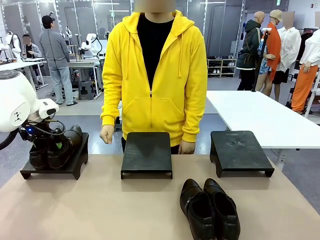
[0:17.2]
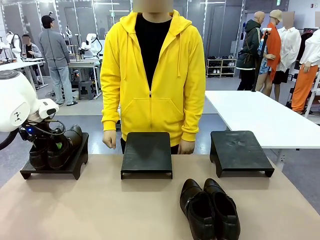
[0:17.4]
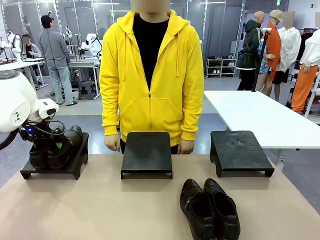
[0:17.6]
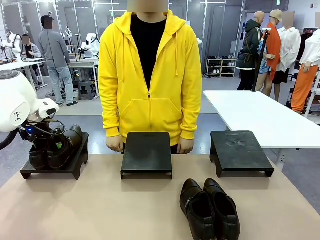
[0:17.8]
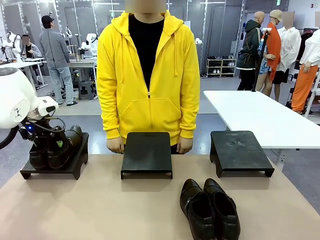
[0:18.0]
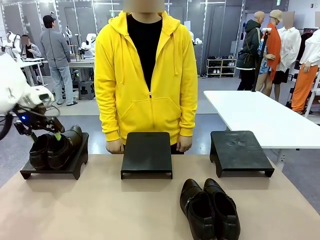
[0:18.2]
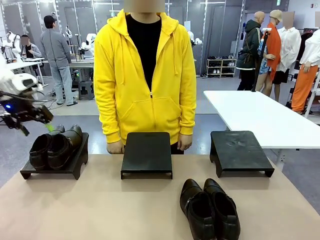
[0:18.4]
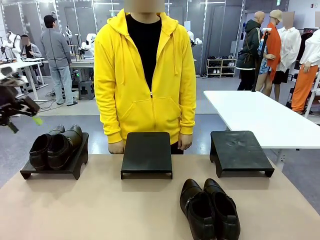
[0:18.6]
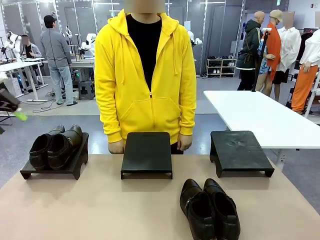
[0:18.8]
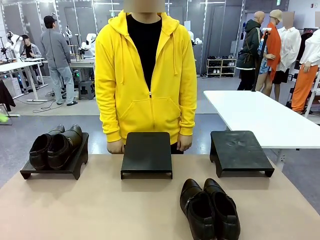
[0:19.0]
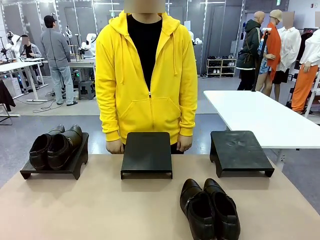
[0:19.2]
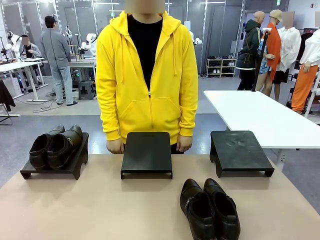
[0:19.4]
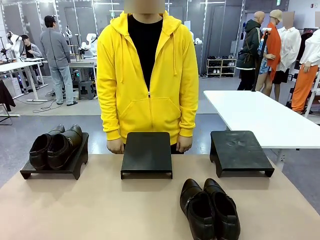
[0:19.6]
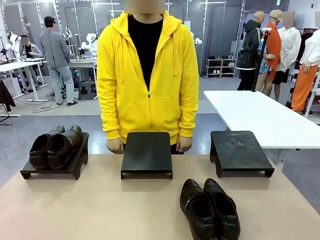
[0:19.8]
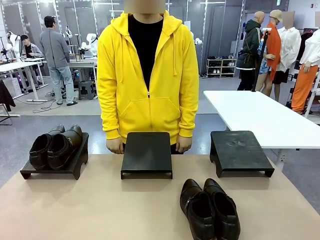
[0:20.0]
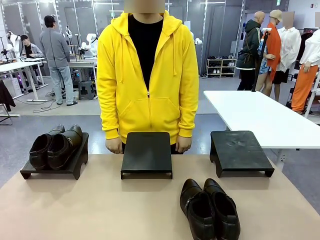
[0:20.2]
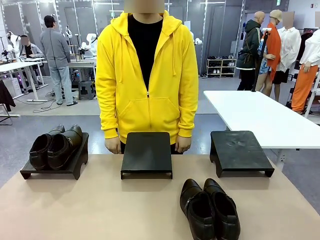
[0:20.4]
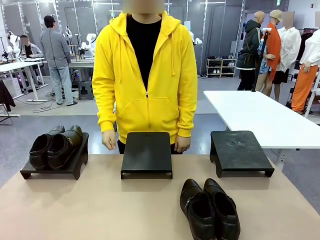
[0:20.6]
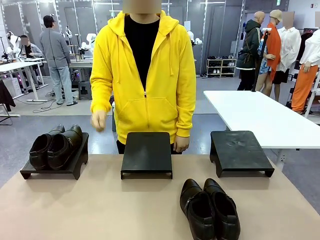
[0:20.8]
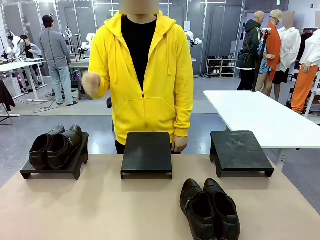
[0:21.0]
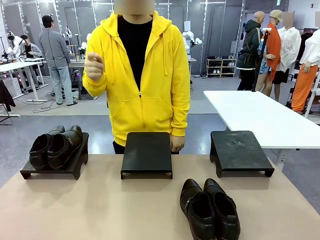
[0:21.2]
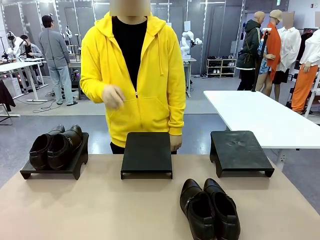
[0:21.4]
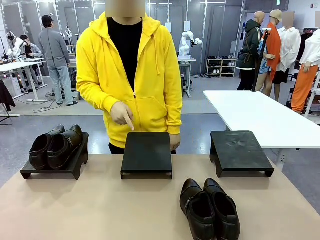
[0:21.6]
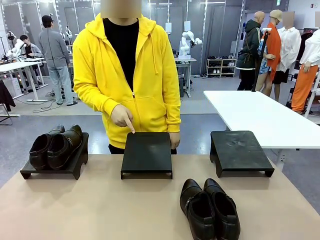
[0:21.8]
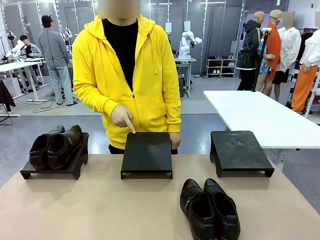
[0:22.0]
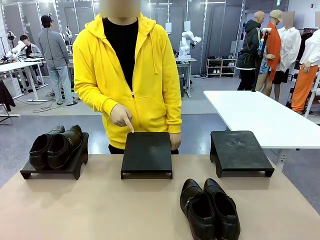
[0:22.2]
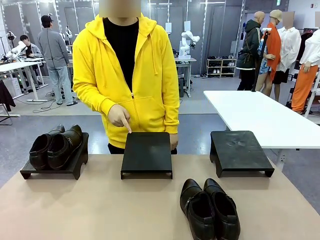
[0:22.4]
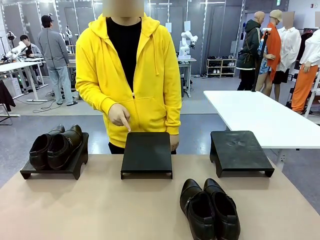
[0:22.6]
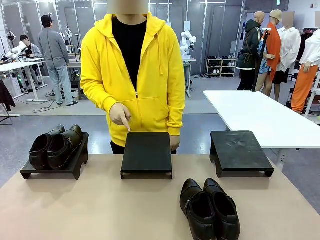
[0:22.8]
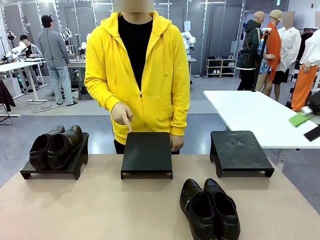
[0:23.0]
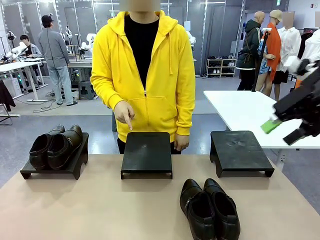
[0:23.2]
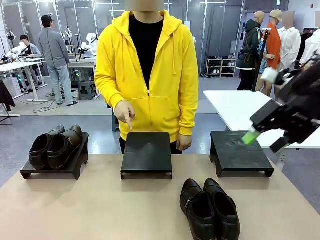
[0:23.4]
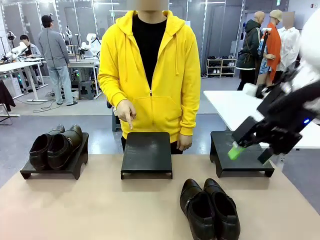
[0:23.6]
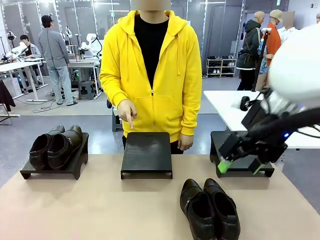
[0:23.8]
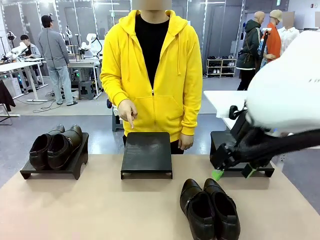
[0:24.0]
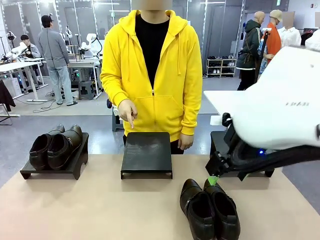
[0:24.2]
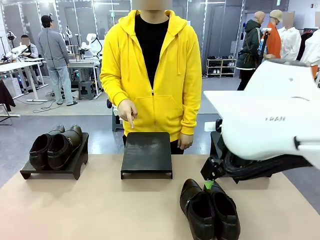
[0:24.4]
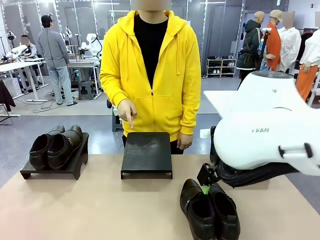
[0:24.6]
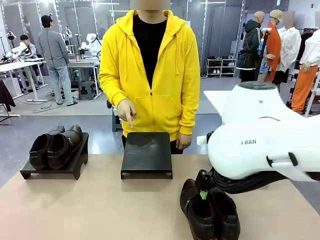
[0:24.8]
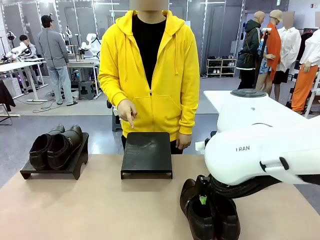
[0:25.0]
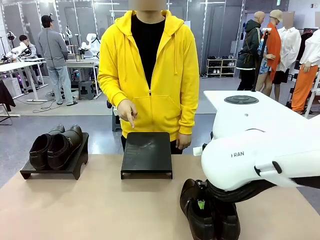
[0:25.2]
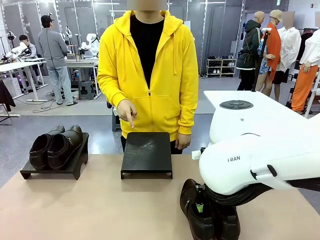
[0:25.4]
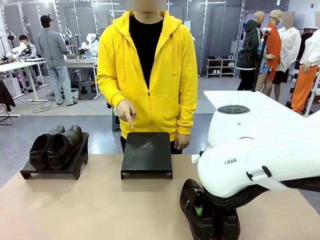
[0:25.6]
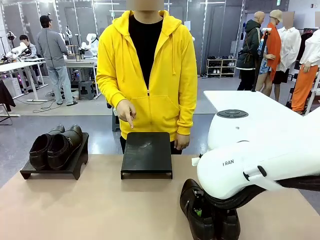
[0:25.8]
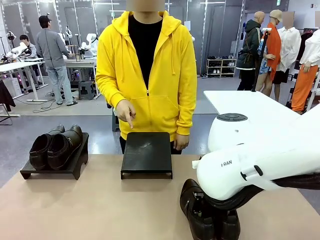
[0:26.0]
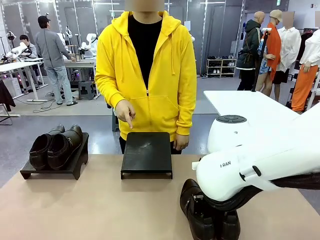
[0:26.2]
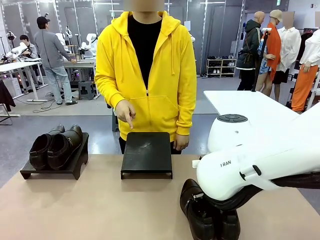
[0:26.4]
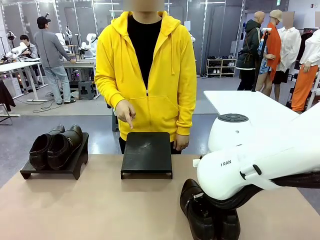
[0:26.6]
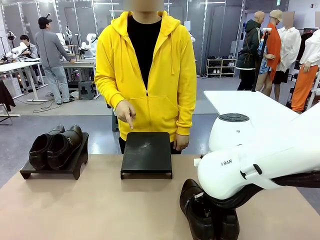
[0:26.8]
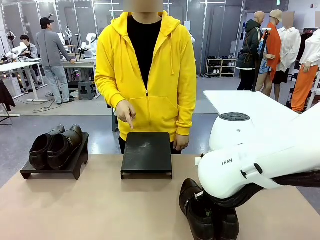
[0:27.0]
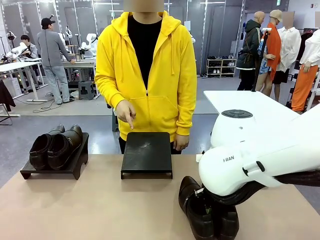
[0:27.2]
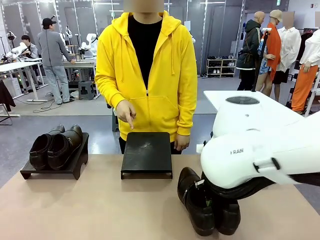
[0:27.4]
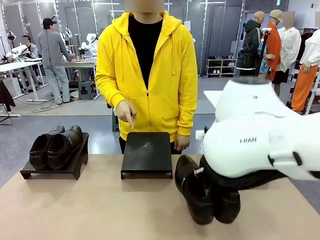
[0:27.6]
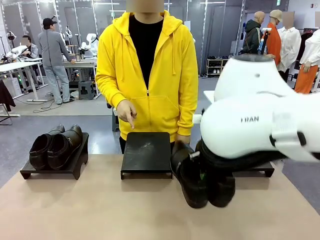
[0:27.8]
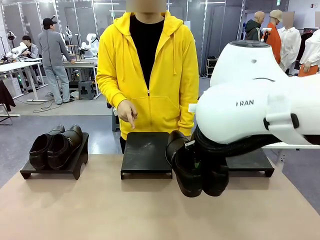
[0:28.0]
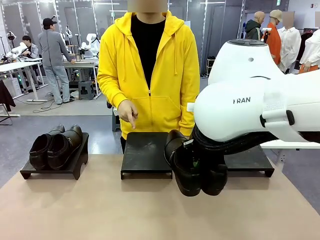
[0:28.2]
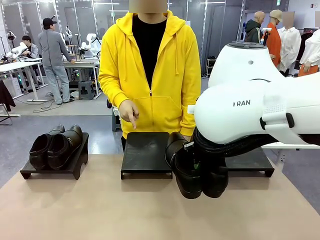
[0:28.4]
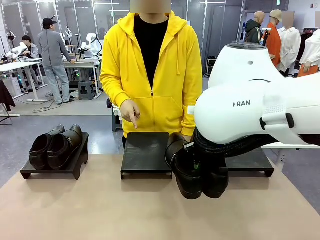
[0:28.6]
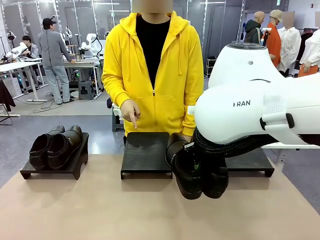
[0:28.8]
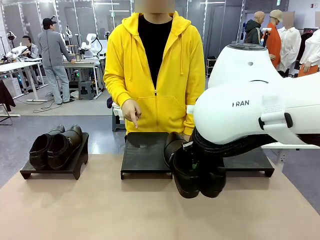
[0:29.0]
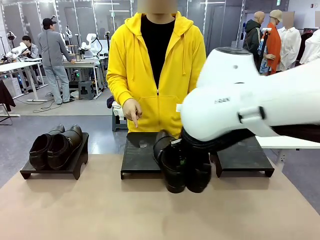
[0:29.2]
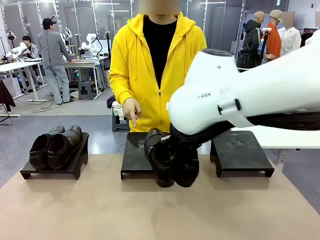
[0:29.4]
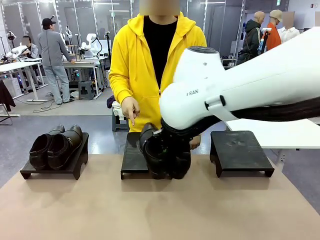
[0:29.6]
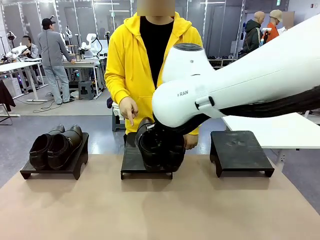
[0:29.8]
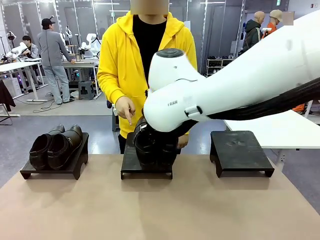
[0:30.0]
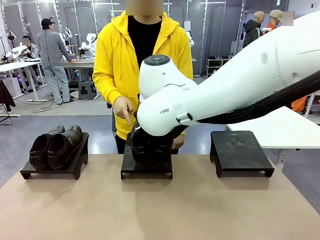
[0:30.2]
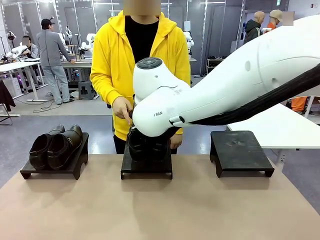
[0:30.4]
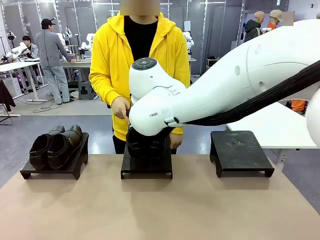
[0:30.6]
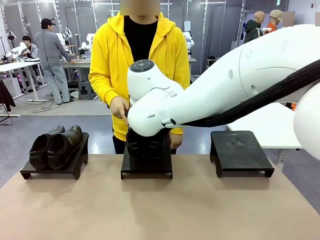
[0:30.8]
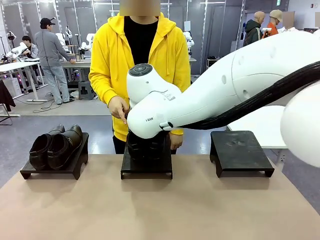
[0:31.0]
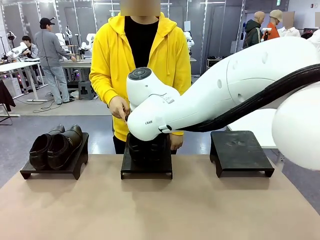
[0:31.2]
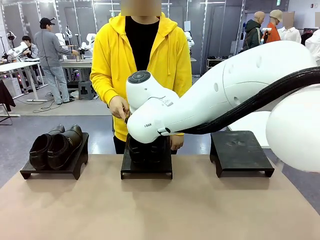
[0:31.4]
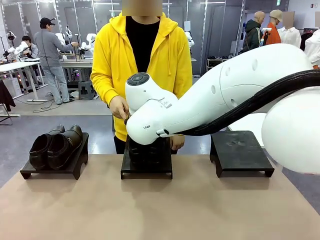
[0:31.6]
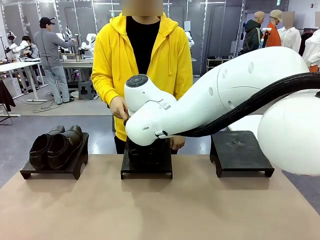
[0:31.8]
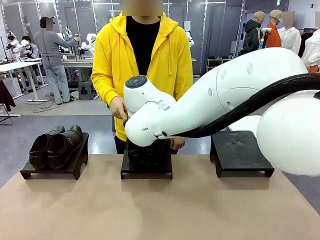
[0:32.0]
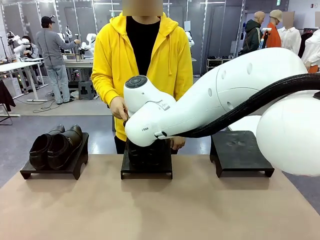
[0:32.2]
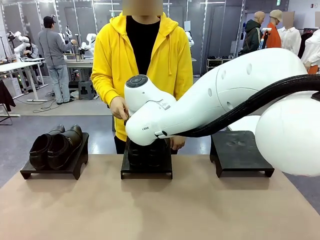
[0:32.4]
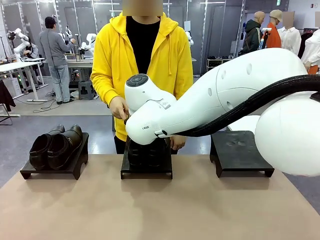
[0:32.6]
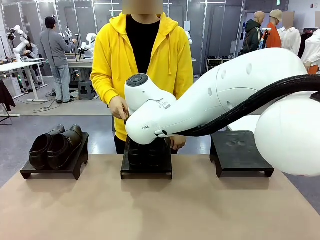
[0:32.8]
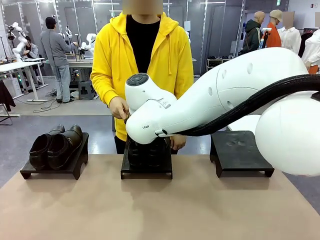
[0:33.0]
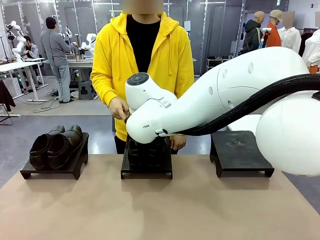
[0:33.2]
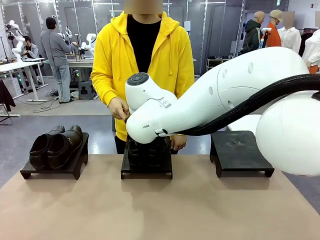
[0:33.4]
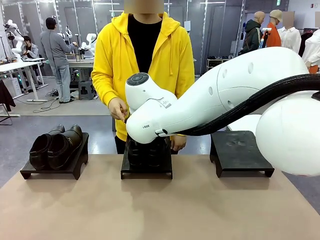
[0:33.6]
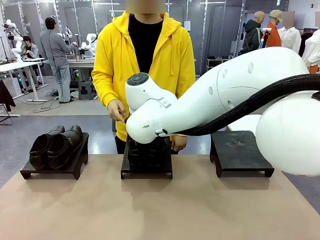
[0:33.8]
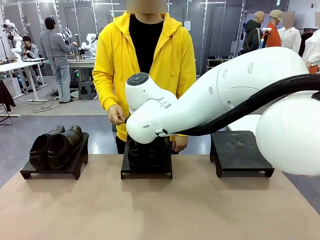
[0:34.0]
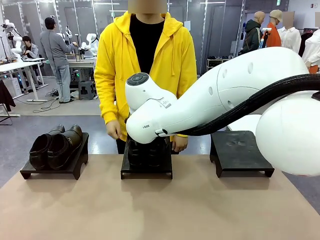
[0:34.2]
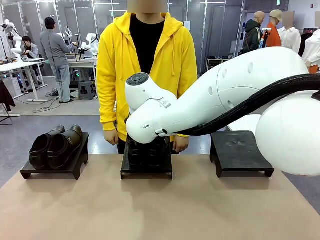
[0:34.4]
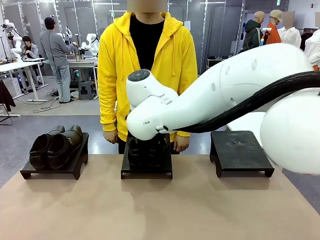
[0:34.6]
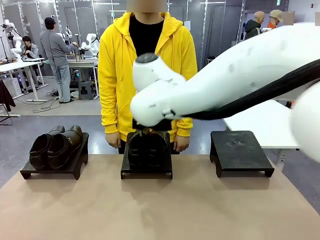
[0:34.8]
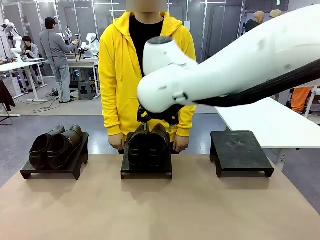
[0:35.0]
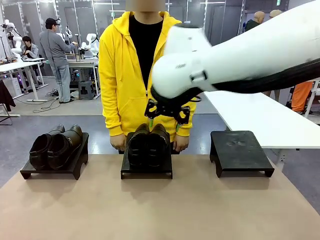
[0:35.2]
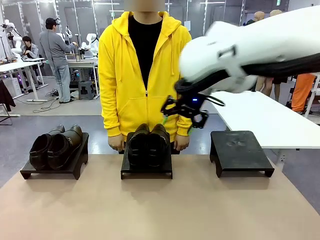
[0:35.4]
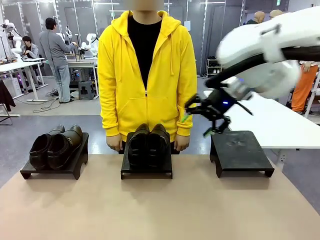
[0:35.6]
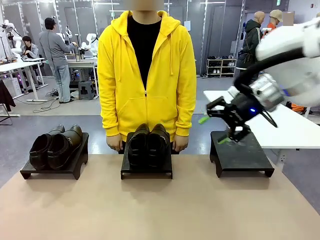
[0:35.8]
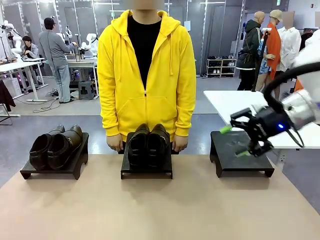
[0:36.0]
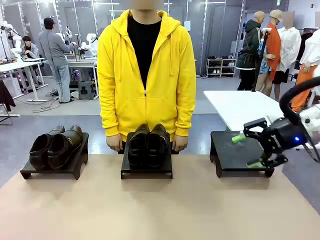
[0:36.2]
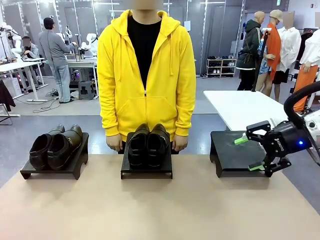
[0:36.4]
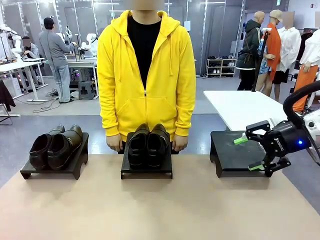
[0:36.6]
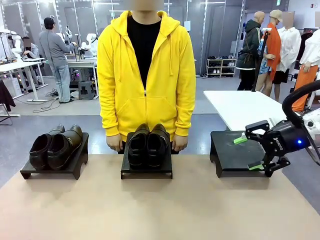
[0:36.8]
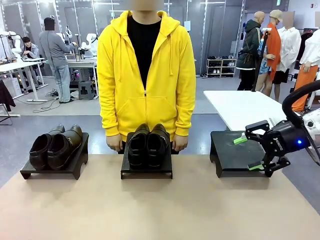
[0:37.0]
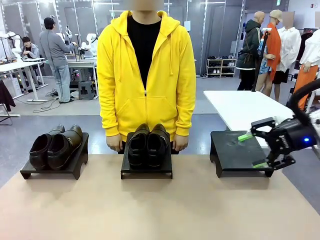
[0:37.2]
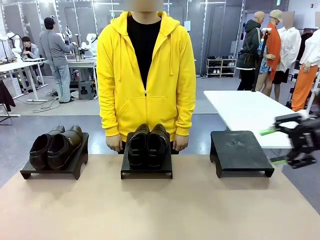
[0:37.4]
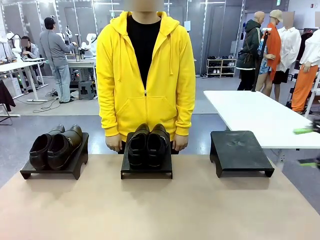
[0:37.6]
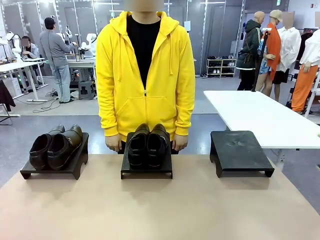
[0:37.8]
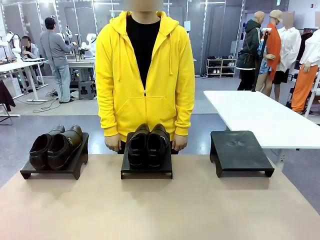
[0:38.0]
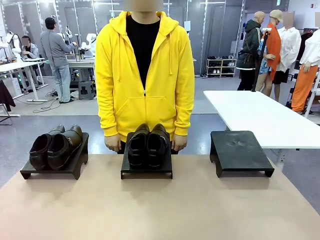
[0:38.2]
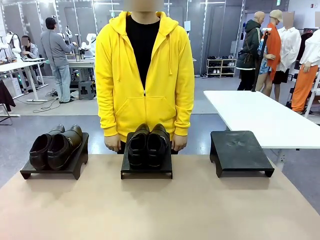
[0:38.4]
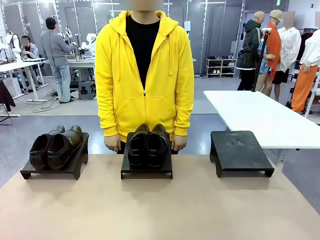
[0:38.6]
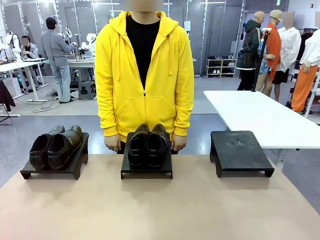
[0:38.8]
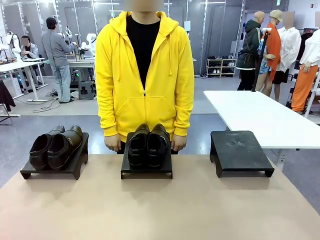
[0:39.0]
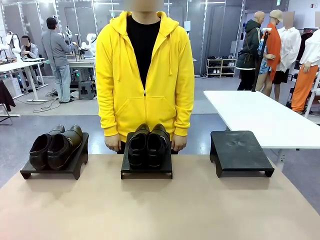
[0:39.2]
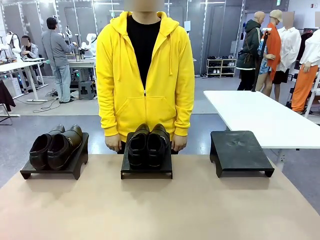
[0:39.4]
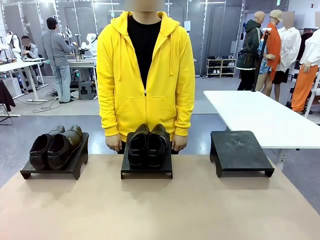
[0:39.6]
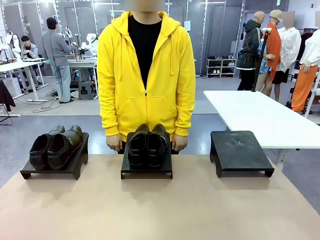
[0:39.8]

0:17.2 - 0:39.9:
Task: Place the shoes on the stand as instructed by the person.
Robot: Pick up another pair of Shoes and place it on the Shoes Stand indicated by the person.
Person: Point to one Shoes Stand.
